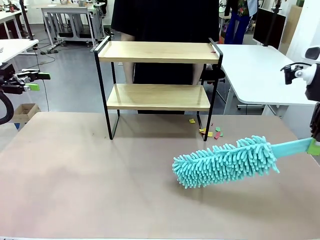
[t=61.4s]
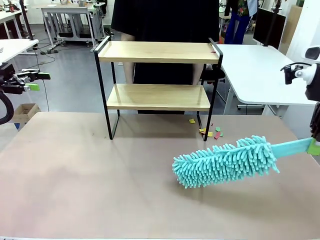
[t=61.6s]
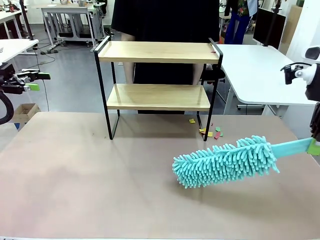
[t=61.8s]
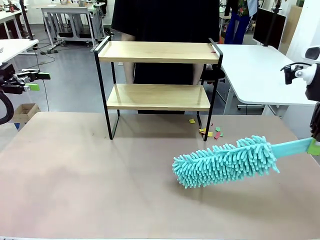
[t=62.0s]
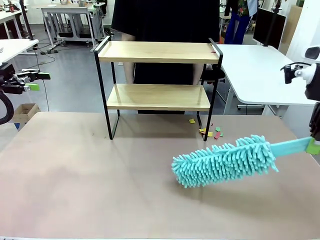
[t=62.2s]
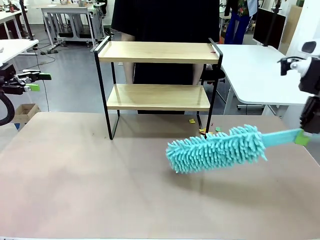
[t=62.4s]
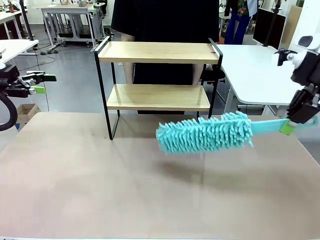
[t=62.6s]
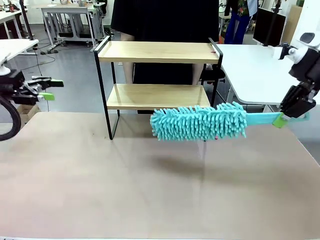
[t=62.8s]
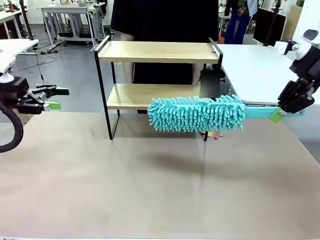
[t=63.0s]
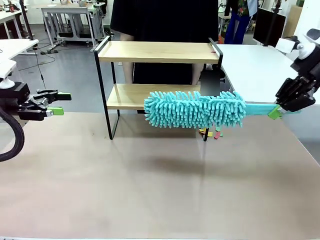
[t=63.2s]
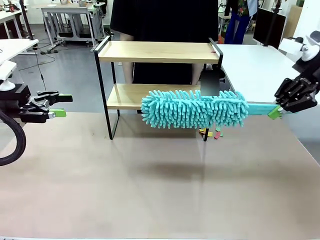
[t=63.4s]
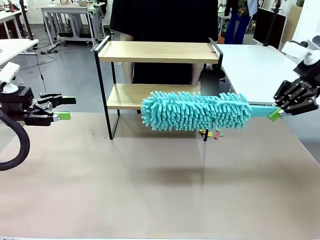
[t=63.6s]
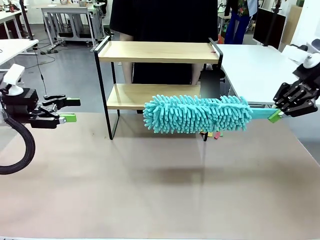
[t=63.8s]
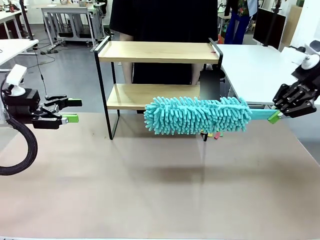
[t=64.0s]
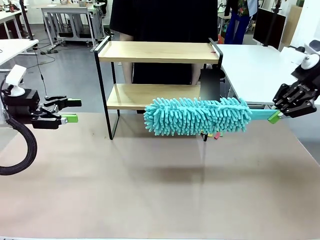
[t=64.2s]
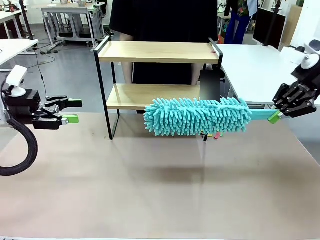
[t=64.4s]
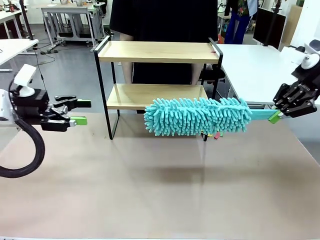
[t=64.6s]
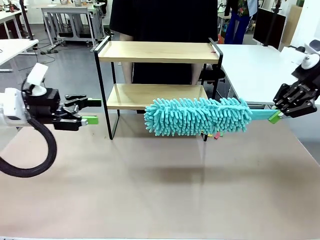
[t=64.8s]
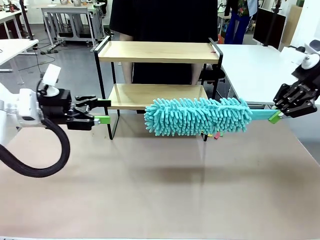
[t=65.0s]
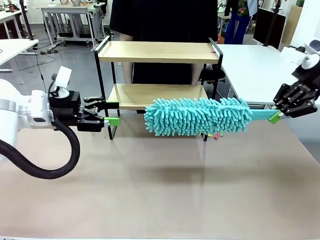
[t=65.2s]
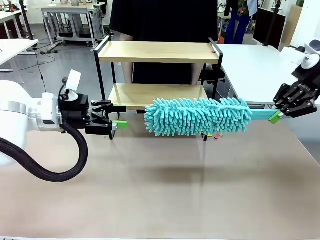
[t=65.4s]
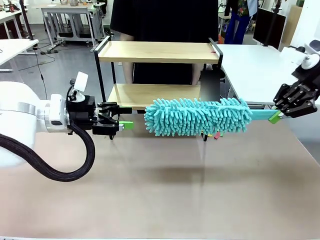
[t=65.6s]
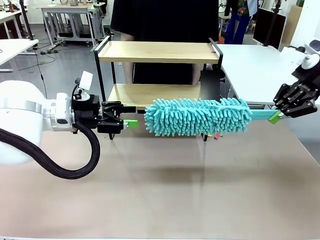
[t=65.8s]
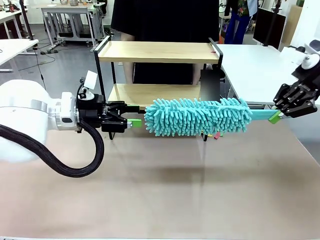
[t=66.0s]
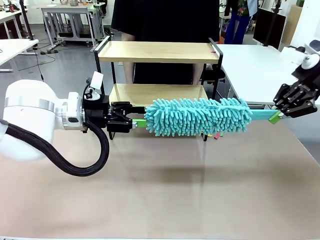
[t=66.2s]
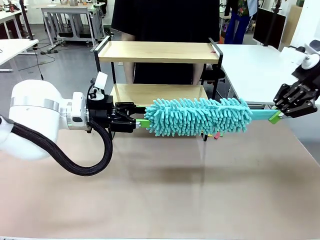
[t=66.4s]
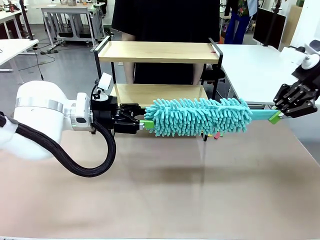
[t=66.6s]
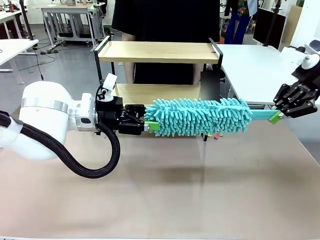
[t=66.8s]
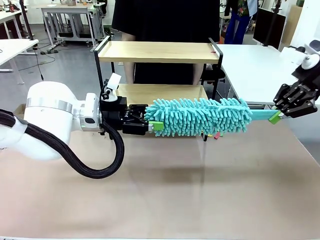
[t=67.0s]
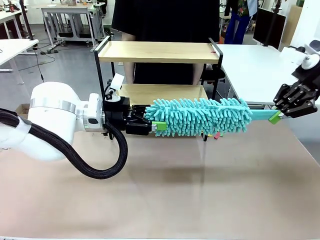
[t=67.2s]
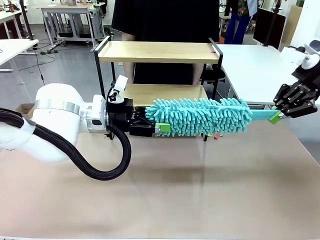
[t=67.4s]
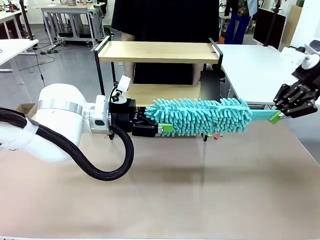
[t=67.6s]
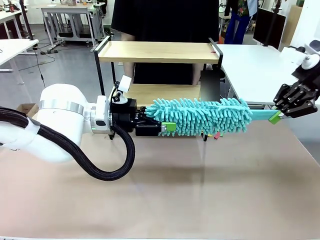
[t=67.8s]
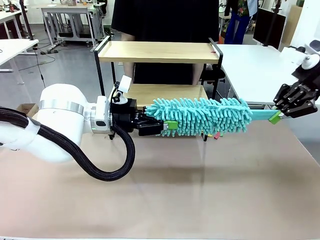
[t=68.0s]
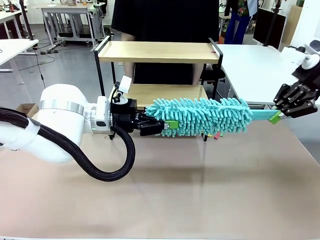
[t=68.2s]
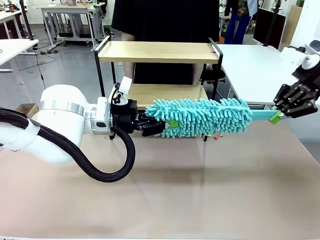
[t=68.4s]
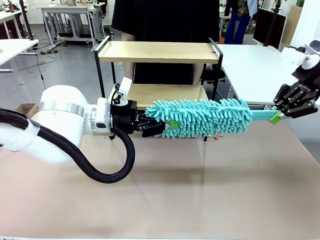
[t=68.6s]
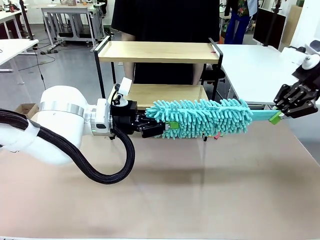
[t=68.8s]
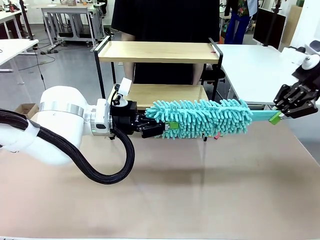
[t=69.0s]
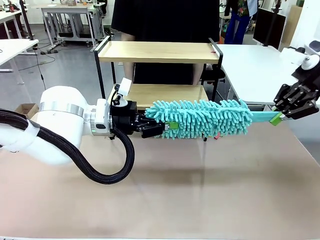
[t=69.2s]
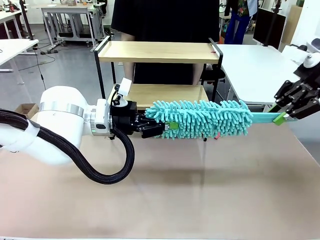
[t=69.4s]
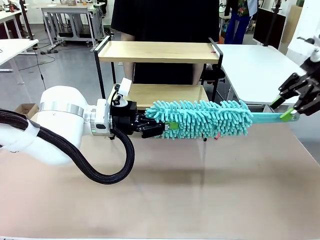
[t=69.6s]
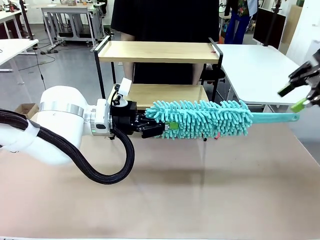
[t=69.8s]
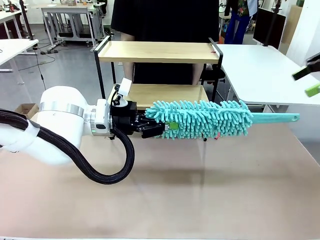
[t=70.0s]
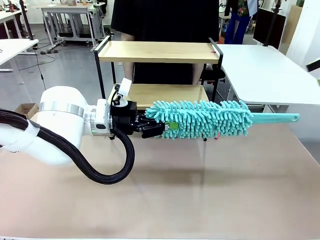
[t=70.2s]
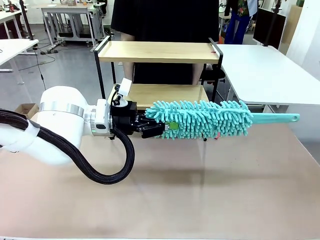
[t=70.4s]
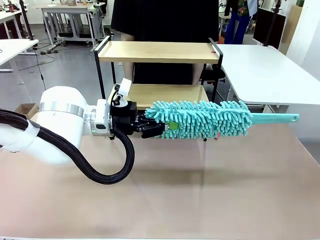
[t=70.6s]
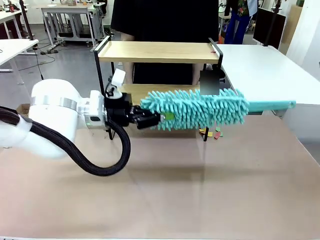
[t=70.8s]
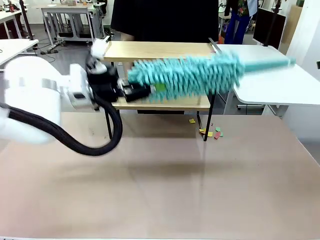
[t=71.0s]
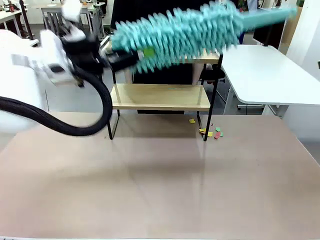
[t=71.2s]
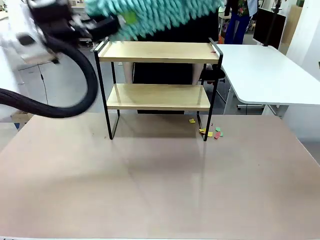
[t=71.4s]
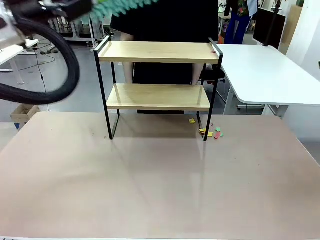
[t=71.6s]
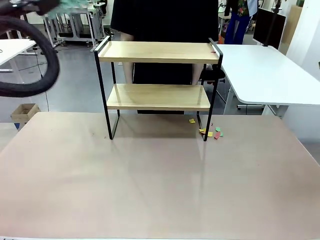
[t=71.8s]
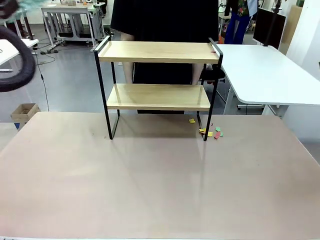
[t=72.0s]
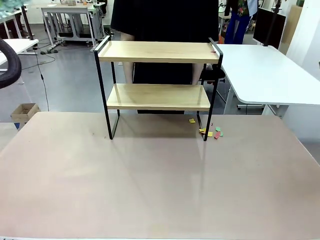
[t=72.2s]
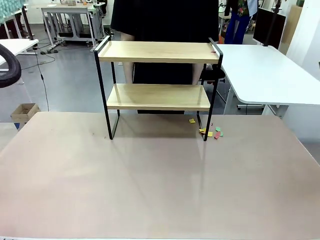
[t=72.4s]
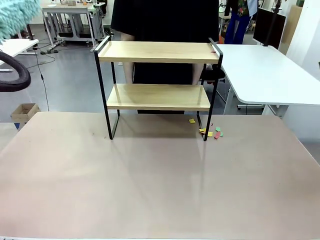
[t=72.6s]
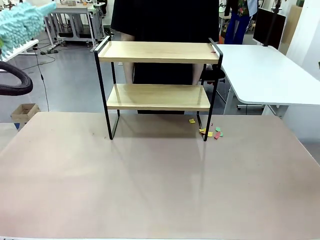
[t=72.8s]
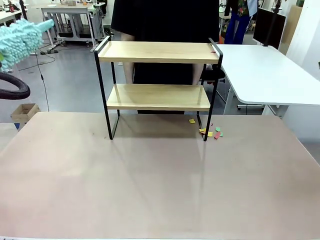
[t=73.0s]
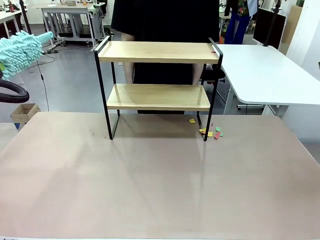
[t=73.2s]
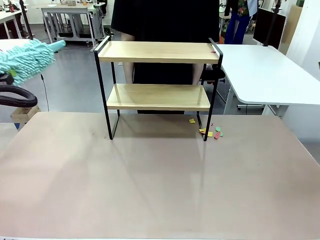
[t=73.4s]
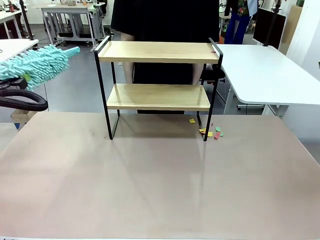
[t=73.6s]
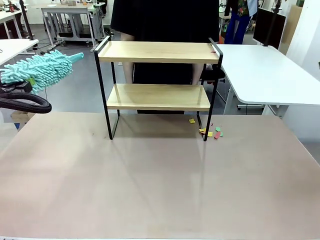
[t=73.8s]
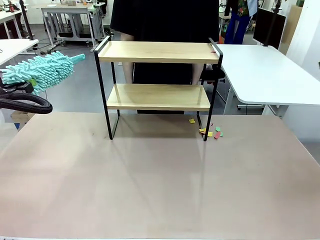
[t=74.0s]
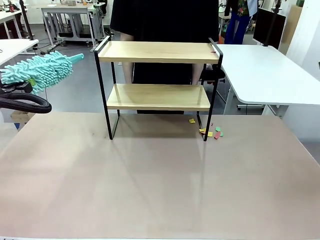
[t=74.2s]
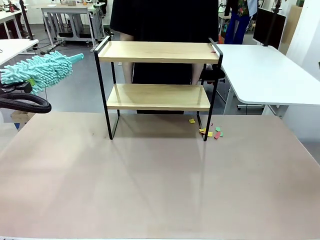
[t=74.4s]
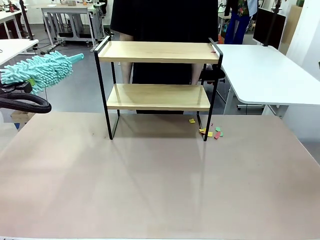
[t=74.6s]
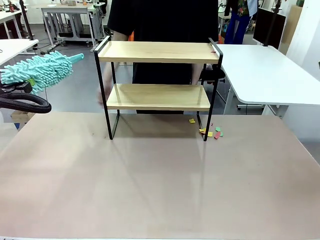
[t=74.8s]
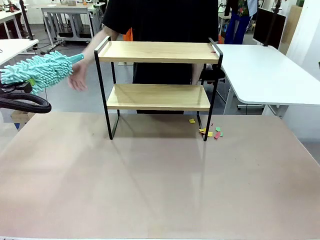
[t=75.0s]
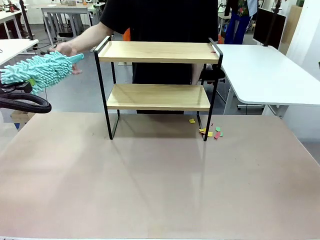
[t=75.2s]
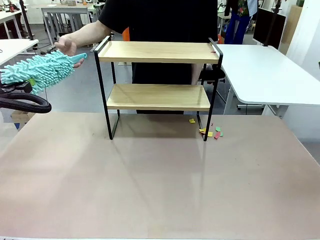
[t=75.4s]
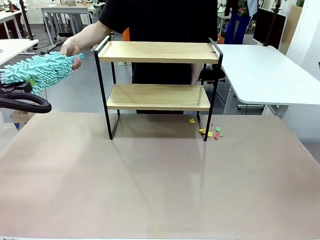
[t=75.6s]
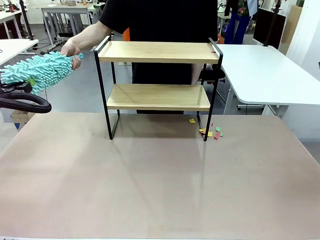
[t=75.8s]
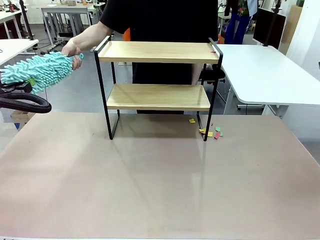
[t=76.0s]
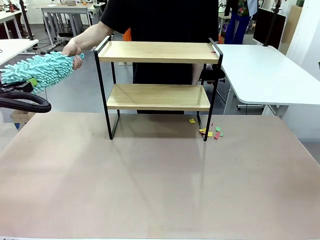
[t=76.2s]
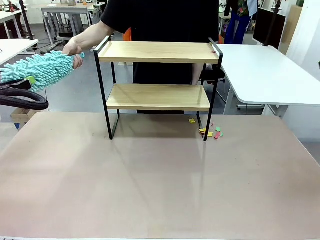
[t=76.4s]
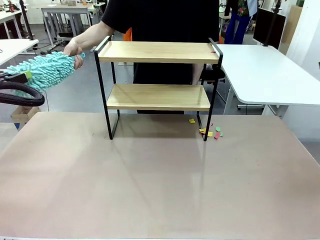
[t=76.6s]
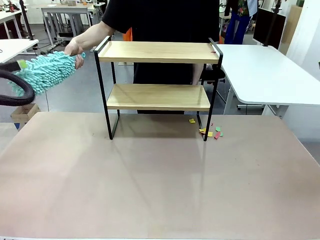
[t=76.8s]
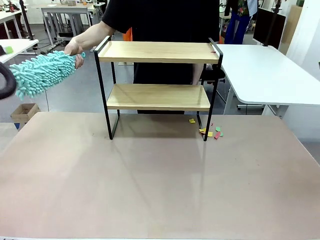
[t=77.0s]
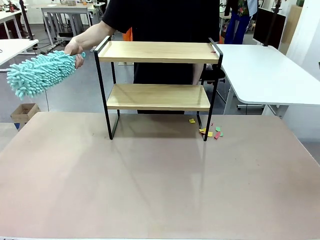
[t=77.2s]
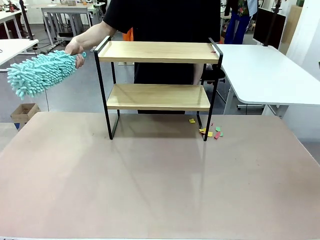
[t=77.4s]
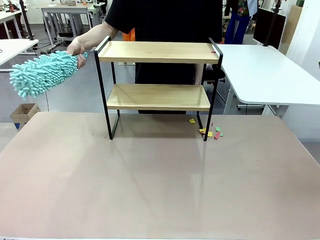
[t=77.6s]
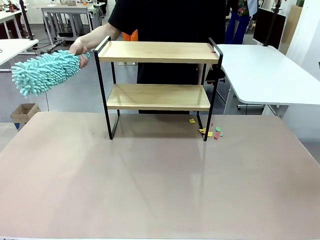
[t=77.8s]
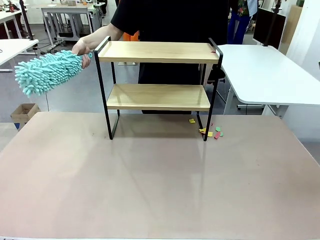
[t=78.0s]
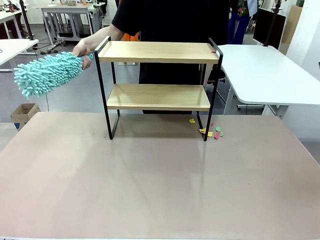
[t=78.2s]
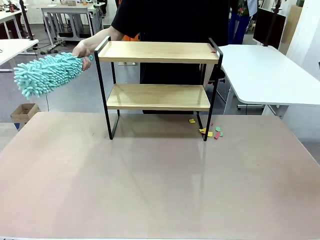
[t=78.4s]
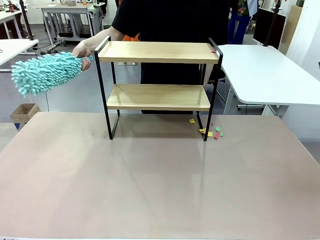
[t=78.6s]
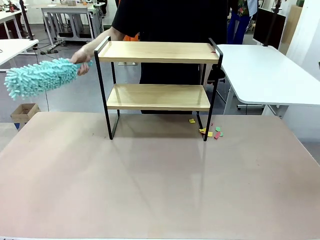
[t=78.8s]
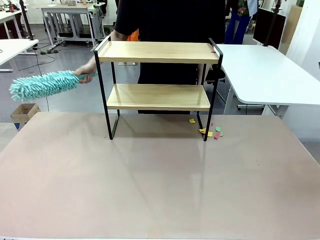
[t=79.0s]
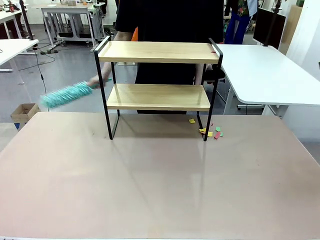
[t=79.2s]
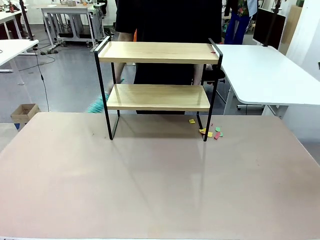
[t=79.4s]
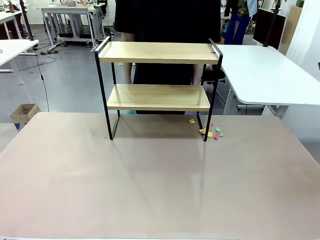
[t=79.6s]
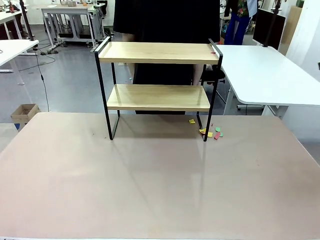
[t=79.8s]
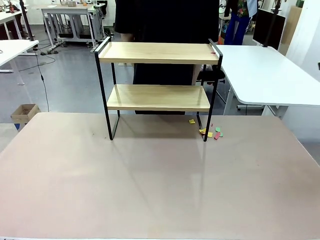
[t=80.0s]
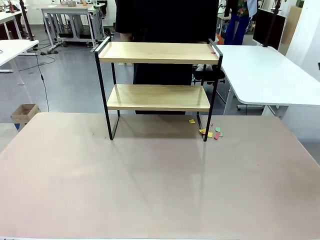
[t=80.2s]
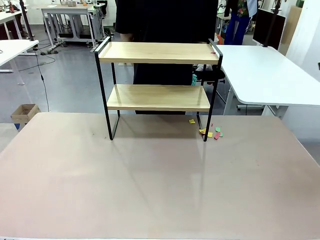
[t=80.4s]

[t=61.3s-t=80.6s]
Task: Clean the shelf.
Robot: Hand the Duster back to the human.
Person: Receive the Duster from the robot.
